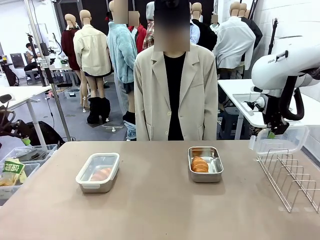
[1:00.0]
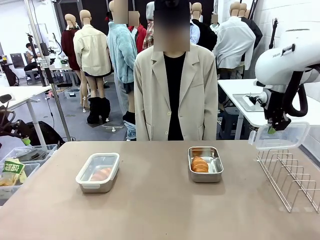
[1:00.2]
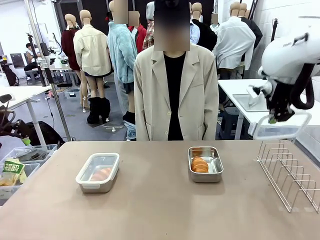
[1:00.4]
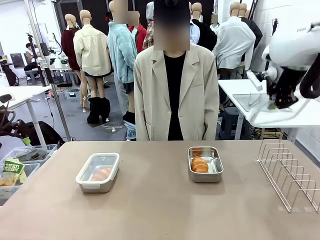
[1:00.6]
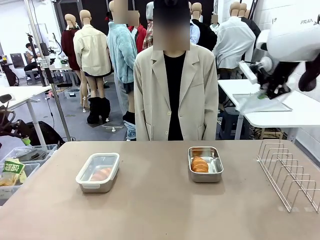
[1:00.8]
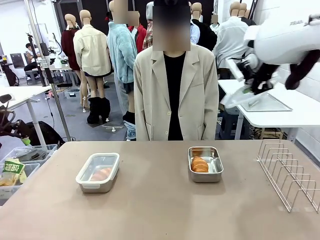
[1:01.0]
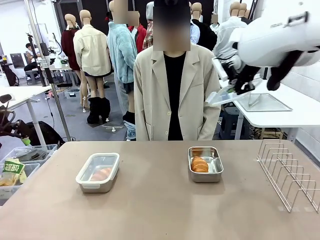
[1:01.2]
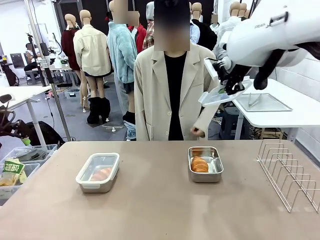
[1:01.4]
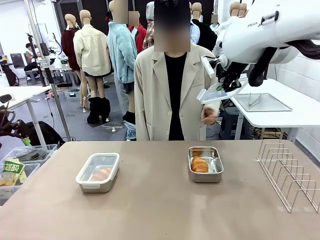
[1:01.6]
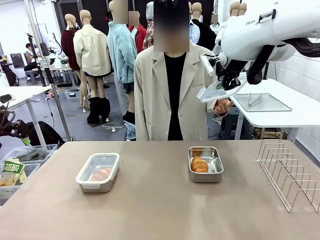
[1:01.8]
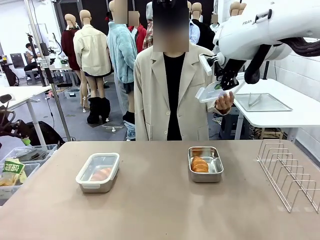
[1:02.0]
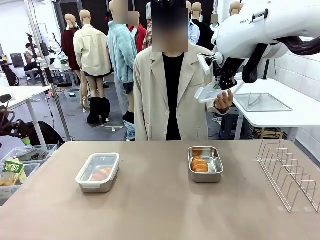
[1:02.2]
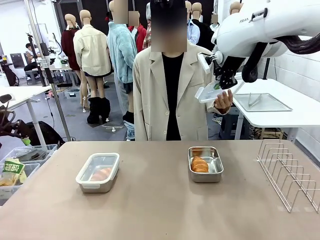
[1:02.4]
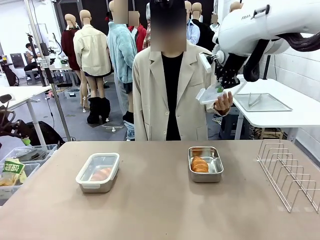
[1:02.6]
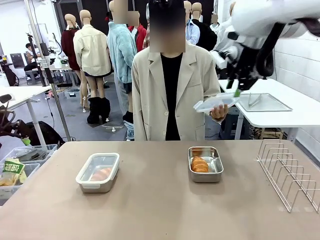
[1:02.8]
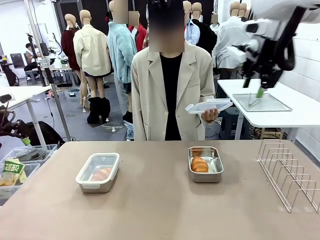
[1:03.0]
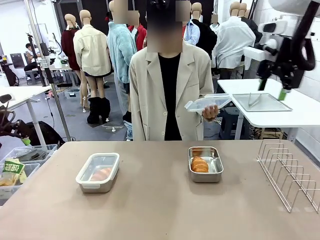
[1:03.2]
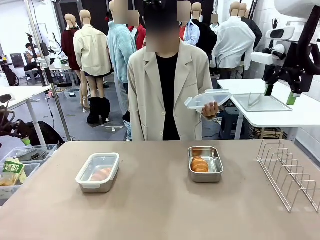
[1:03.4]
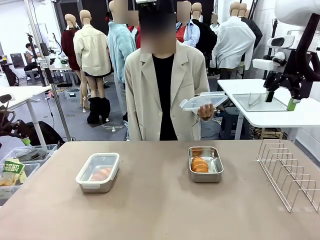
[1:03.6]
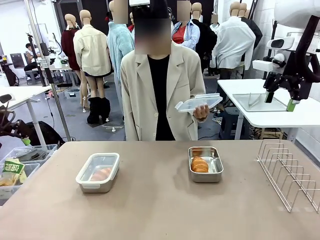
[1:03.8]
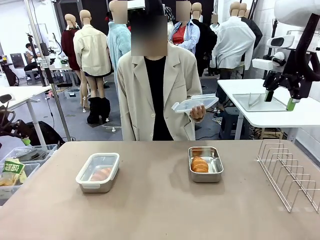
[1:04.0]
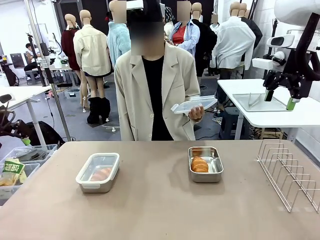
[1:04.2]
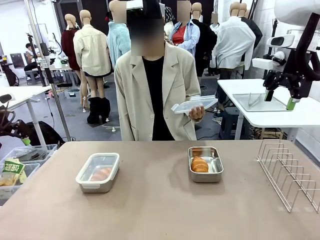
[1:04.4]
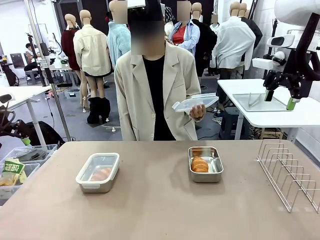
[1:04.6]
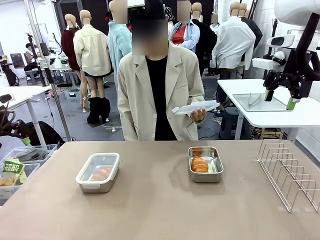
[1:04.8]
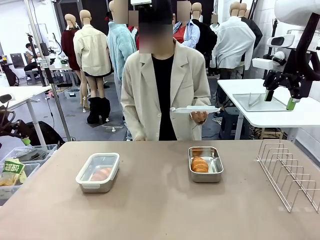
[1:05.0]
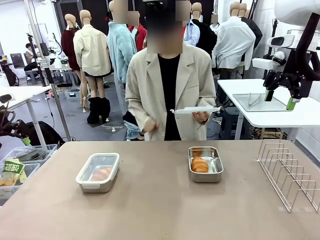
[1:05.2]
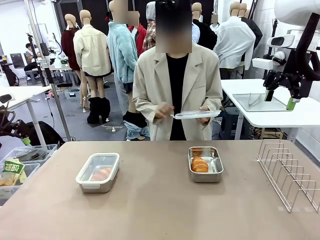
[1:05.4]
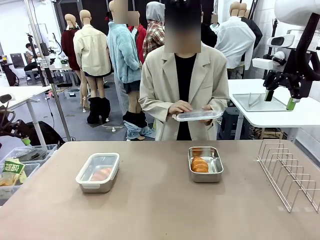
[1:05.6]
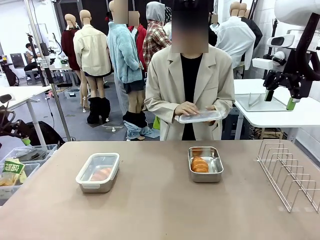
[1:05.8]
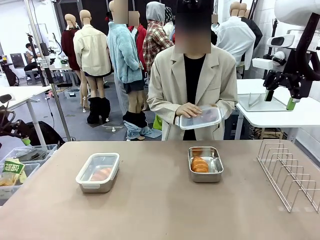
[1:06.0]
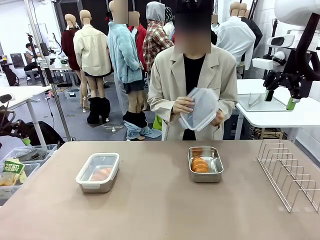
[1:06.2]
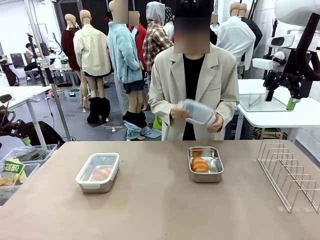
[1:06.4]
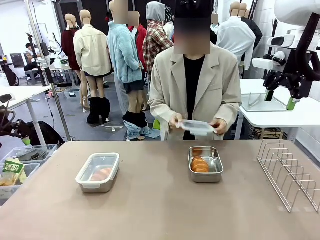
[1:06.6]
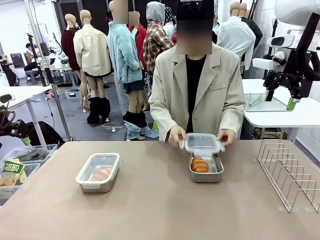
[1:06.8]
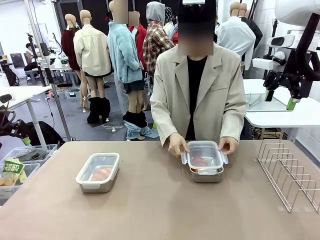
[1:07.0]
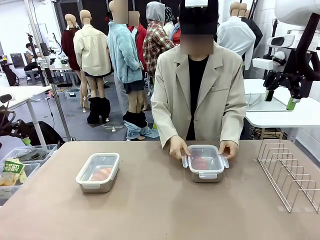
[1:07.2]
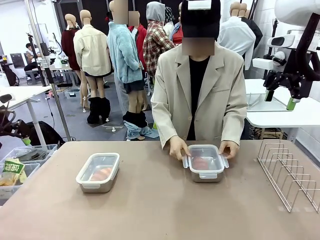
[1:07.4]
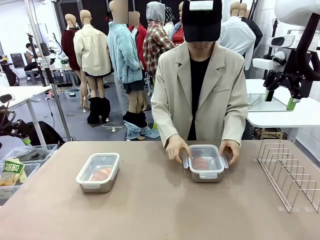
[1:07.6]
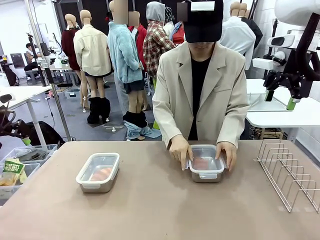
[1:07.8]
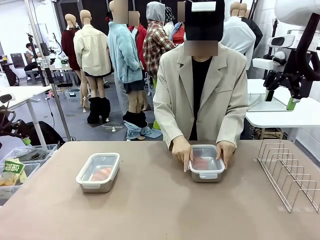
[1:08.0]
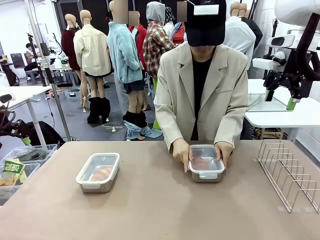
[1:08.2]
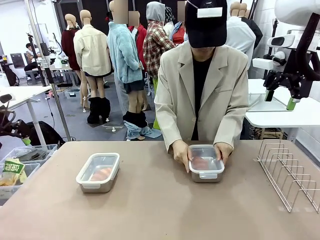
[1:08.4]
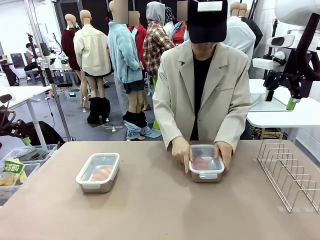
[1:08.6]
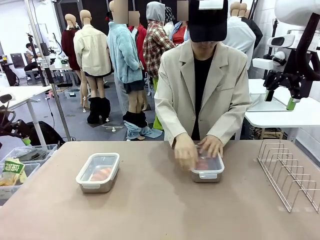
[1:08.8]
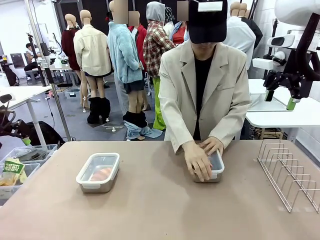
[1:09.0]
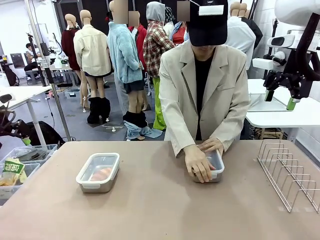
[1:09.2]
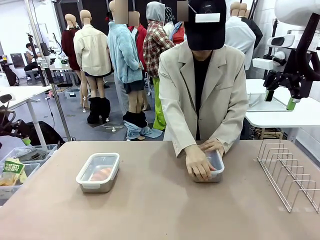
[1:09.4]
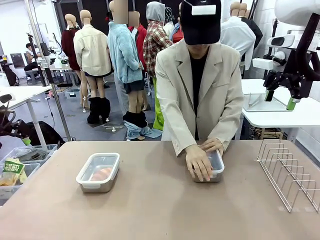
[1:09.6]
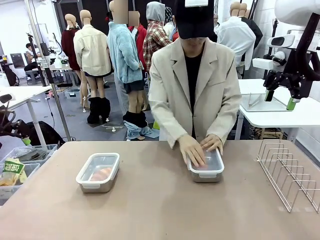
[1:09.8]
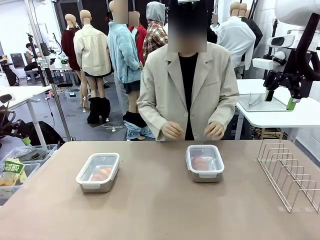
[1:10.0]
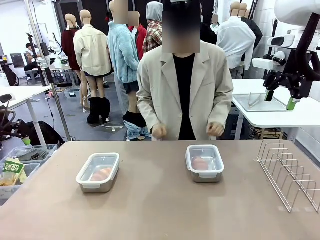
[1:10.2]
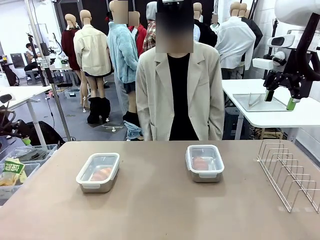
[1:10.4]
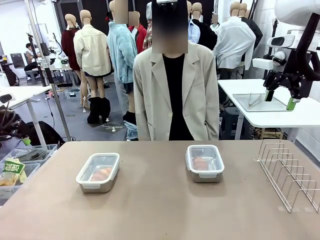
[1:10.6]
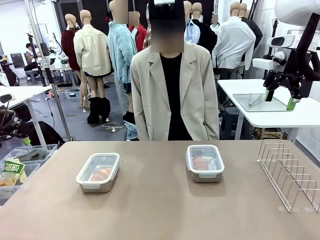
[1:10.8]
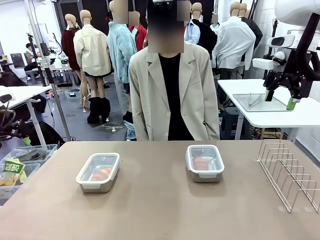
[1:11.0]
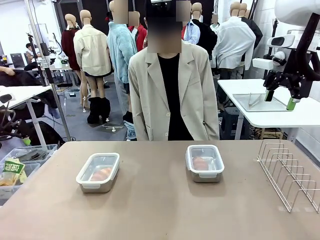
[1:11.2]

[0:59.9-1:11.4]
Task: Place the bread in airtight containers.
Robot: Release when the human grabs the Airtight Container lid.
Person: Grip Airtight Container lid that robot is handing. Close Airtight Container with a handed Airtight Container lid.

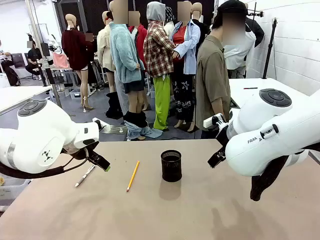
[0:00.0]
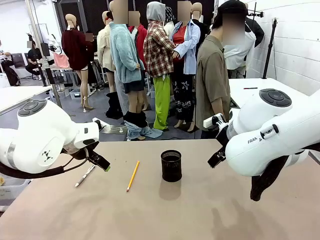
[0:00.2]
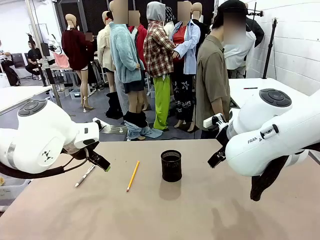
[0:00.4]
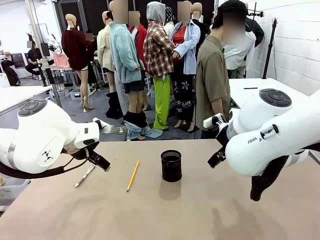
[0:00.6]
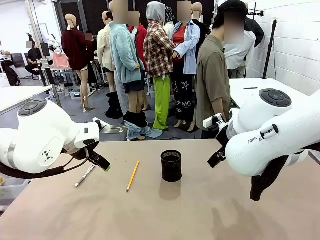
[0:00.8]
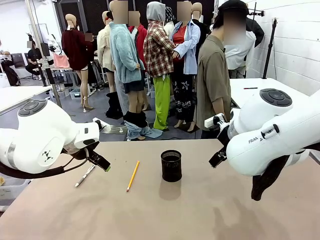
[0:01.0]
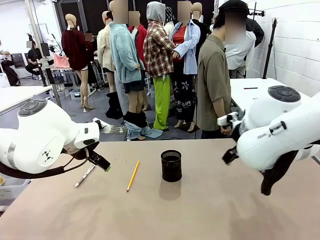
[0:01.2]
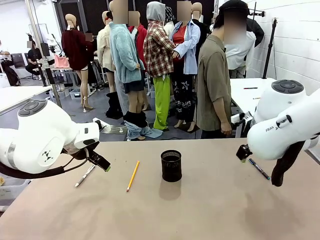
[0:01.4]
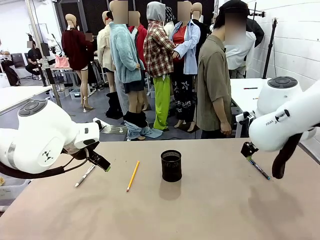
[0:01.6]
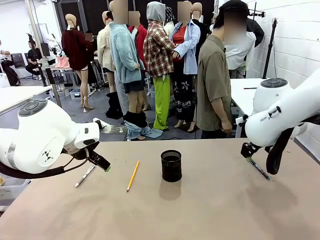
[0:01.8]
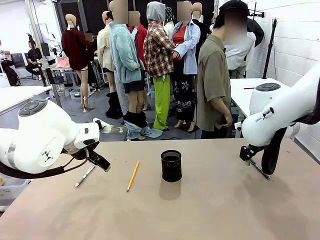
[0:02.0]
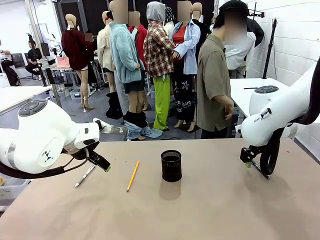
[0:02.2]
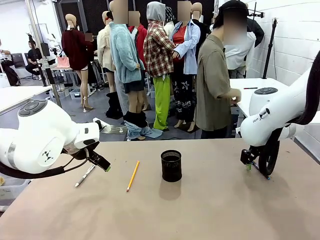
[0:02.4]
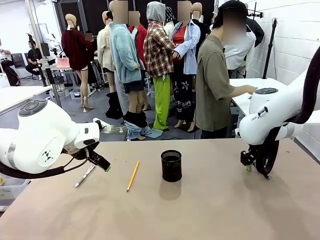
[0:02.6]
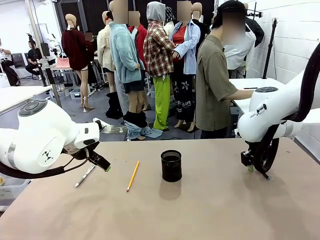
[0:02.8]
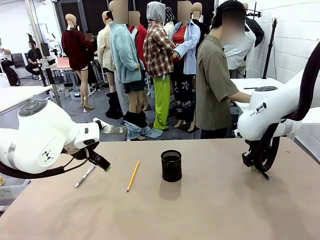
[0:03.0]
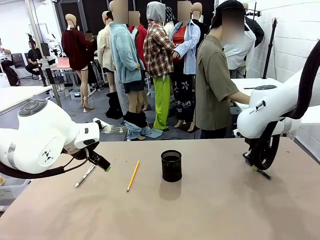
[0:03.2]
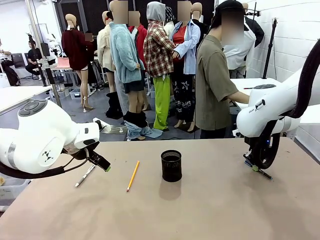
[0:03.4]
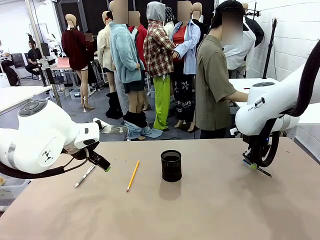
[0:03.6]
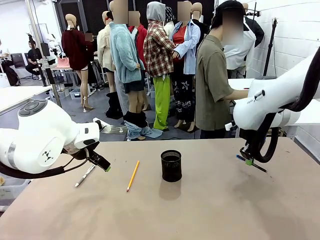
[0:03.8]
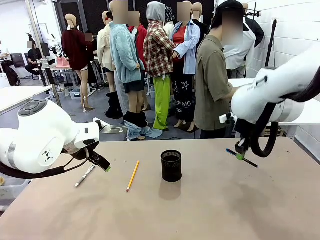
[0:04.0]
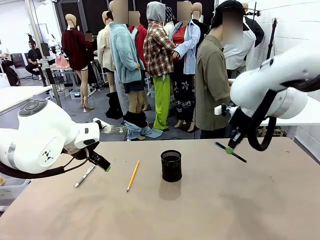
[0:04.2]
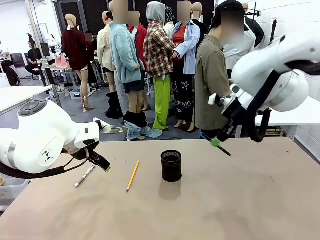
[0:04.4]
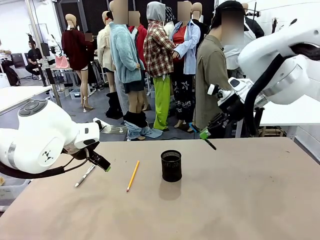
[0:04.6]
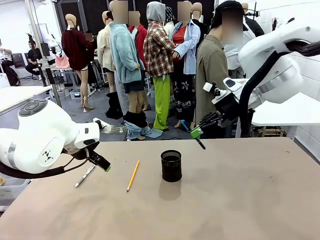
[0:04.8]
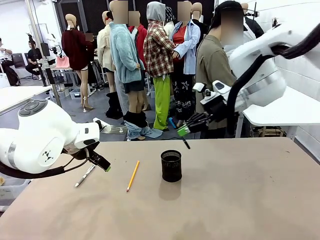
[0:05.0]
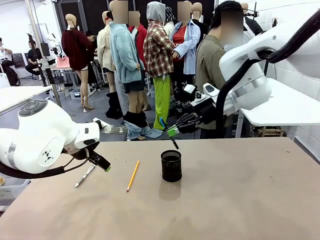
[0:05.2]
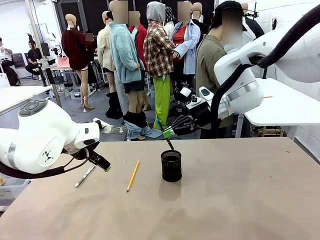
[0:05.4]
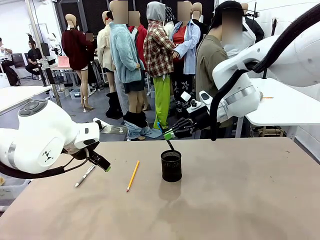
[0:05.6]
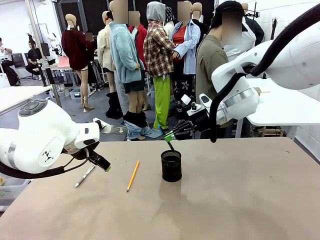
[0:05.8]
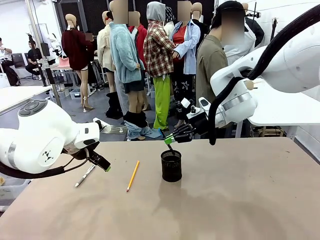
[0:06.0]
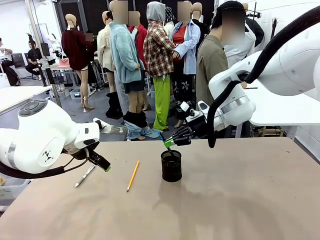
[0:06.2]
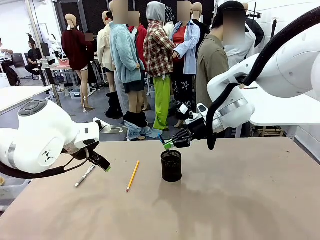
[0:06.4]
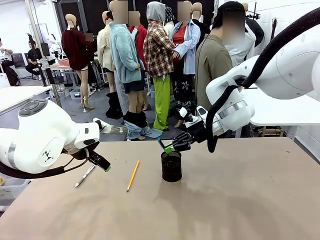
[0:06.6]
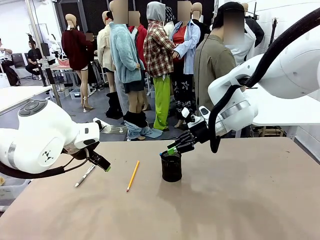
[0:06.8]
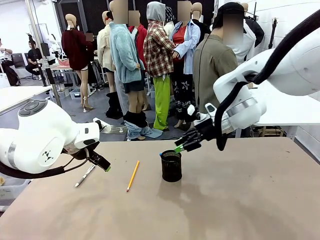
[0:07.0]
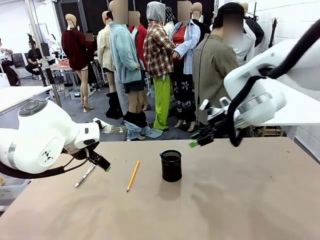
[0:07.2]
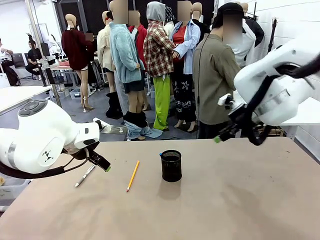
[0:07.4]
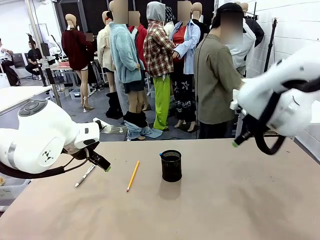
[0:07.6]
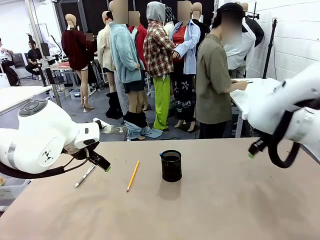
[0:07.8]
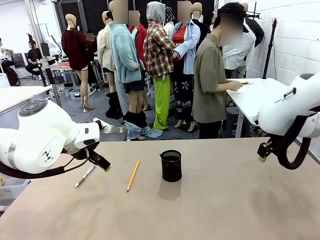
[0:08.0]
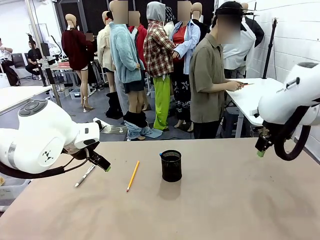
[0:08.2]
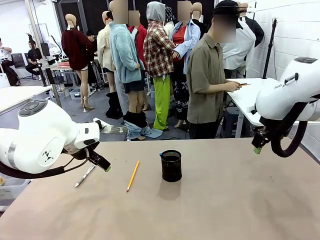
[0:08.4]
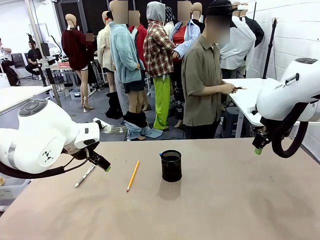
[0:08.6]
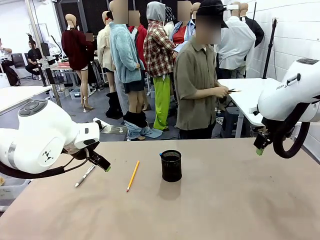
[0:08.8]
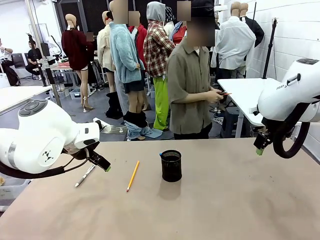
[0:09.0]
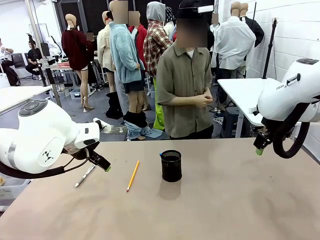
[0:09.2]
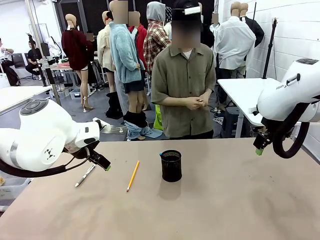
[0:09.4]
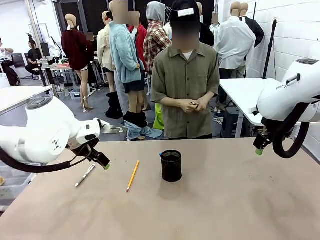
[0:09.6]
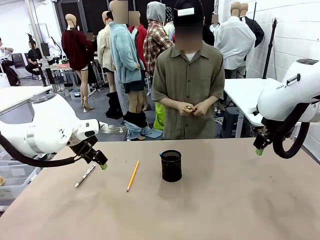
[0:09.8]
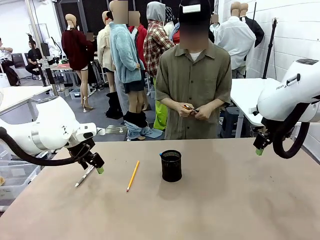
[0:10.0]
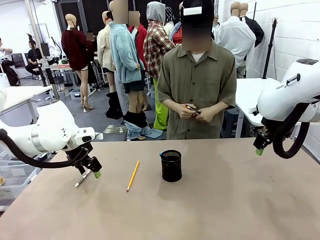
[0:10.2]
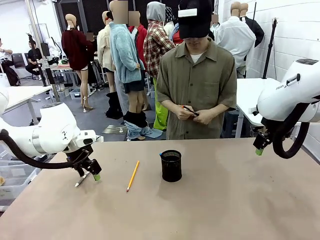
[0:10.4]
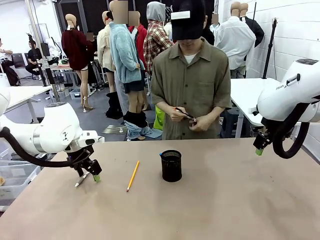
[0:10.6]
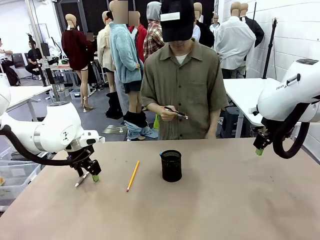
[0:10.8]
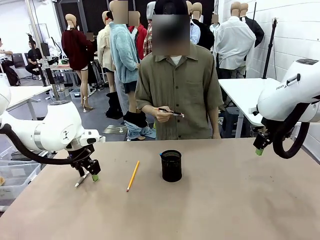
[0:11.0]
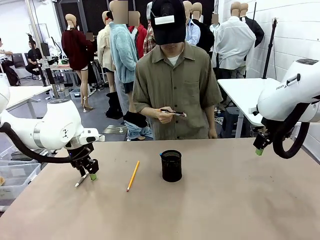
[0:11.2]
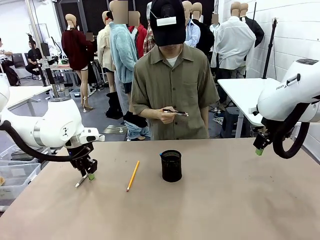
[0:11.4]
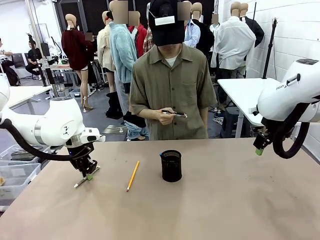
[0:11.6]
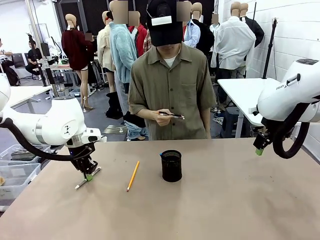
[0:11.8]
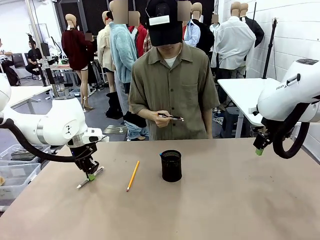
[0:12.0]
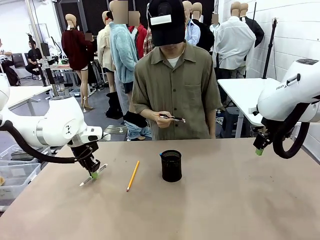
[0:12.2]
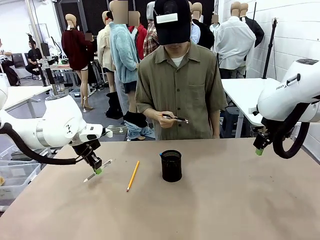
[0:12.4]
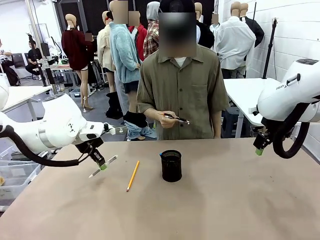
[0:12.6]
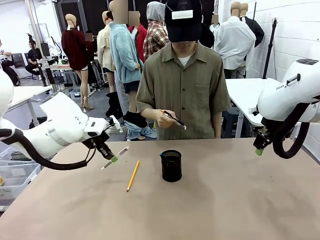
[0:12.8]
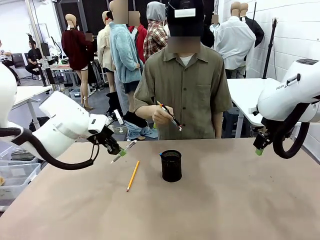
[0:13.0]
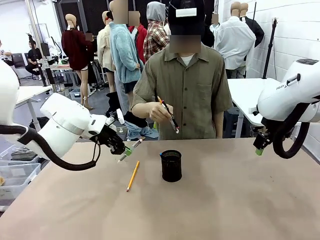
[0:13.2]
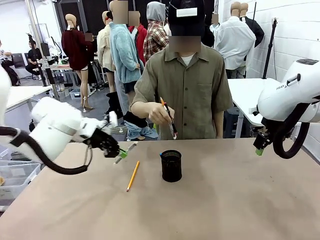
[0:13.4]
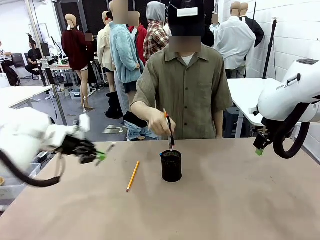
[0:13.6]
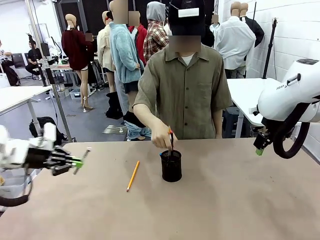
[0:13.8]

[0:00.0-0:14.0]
Task: Place the pens into the pen holder.
Robot: Pick up a writing instrument from the table and place it into the Pen holder.
Person: Pick up all writing instruments from the Human table.
